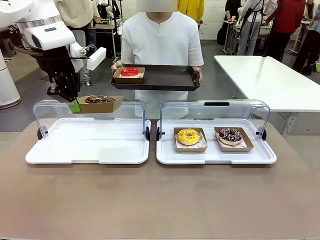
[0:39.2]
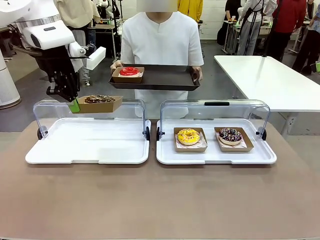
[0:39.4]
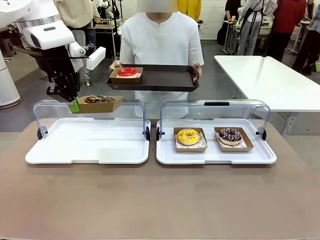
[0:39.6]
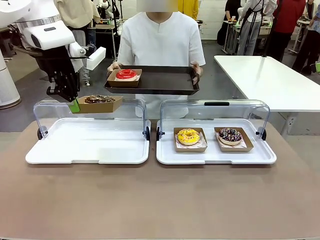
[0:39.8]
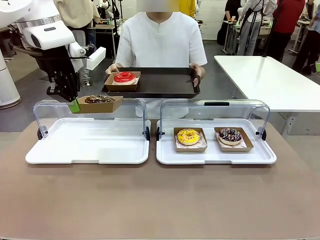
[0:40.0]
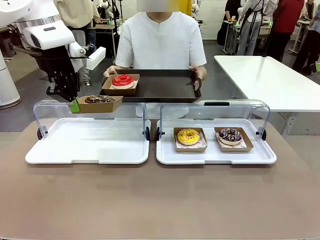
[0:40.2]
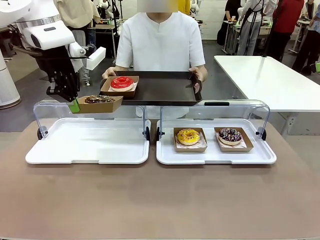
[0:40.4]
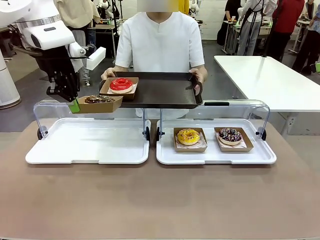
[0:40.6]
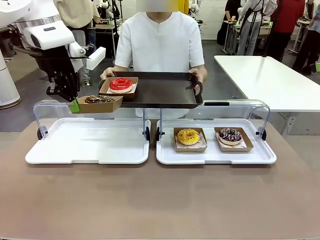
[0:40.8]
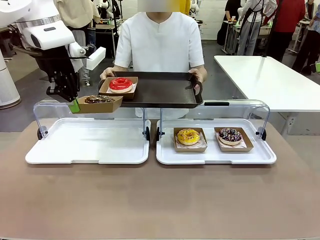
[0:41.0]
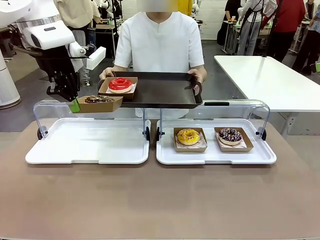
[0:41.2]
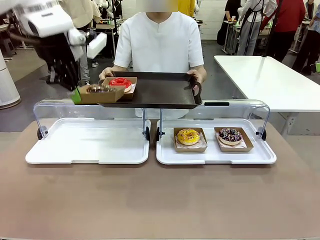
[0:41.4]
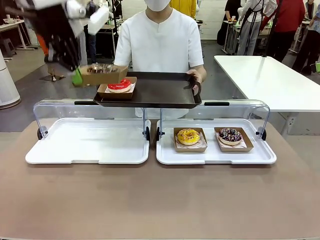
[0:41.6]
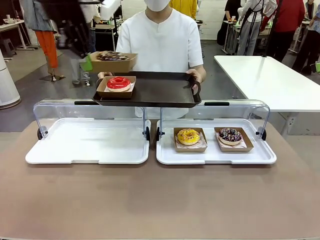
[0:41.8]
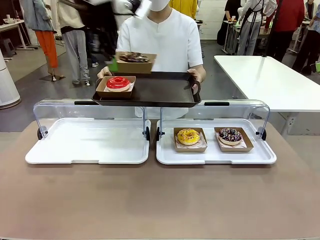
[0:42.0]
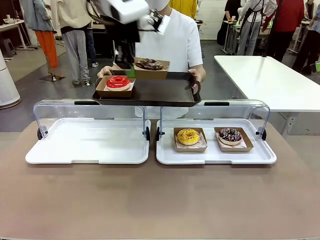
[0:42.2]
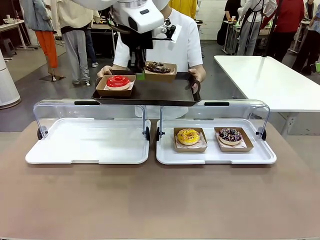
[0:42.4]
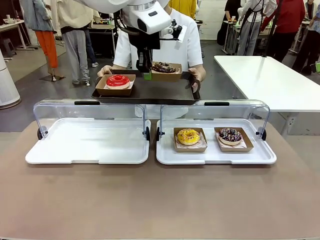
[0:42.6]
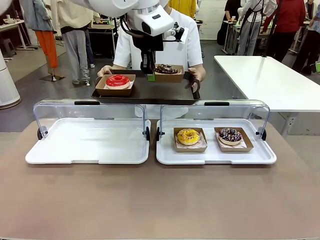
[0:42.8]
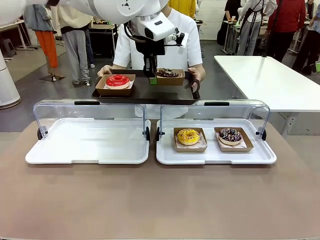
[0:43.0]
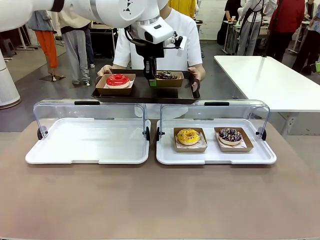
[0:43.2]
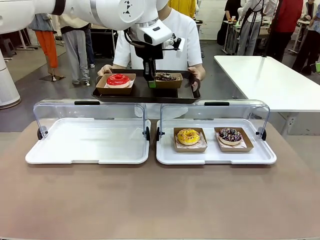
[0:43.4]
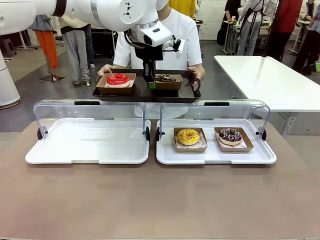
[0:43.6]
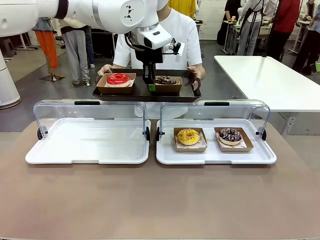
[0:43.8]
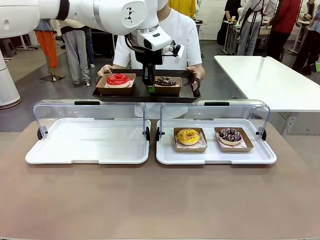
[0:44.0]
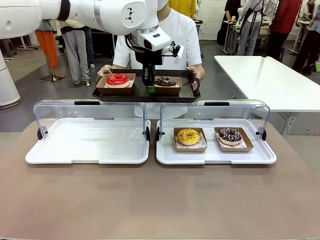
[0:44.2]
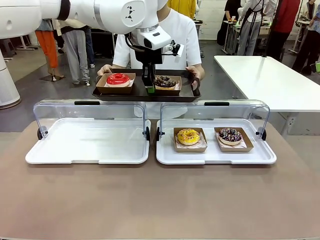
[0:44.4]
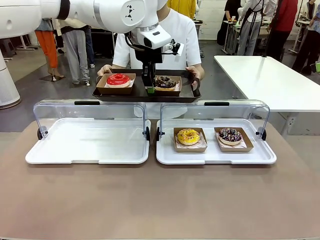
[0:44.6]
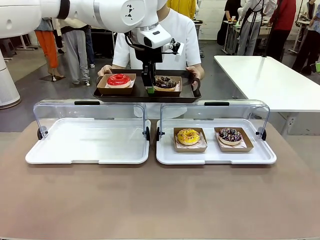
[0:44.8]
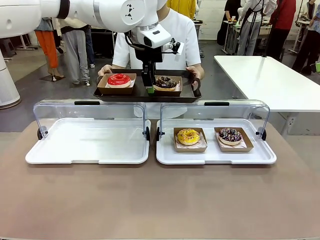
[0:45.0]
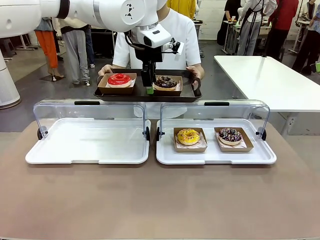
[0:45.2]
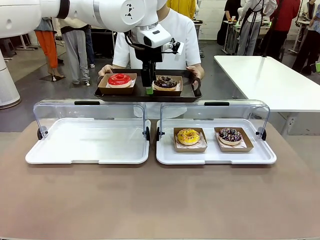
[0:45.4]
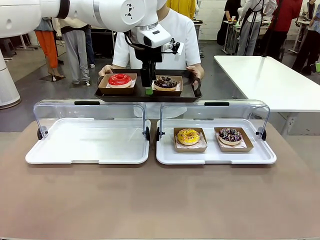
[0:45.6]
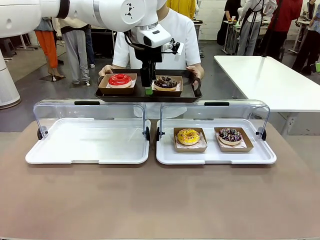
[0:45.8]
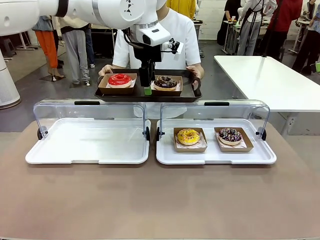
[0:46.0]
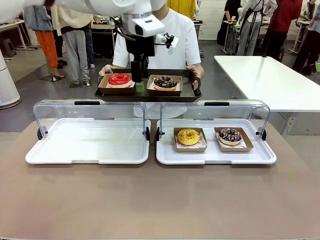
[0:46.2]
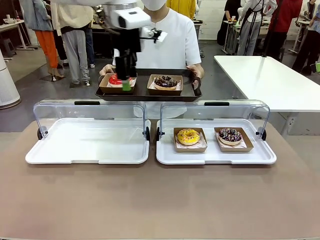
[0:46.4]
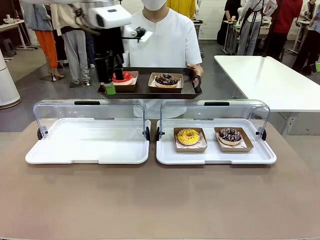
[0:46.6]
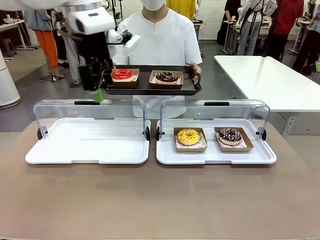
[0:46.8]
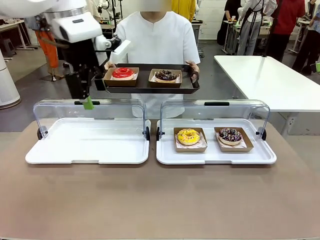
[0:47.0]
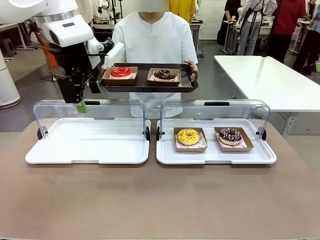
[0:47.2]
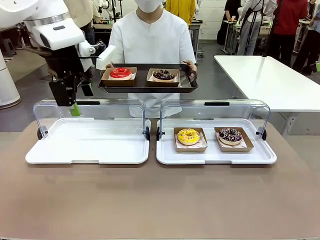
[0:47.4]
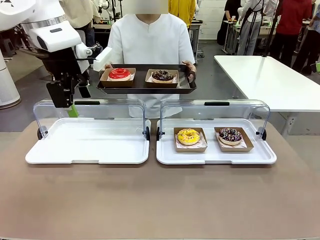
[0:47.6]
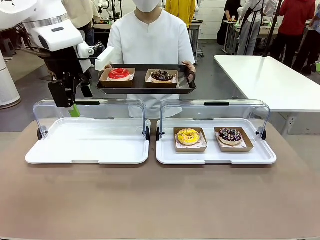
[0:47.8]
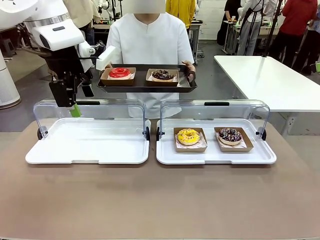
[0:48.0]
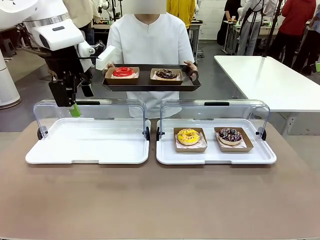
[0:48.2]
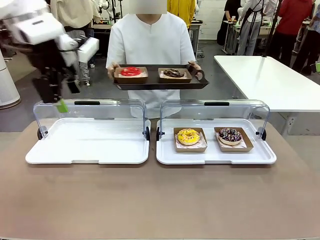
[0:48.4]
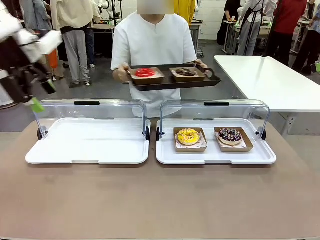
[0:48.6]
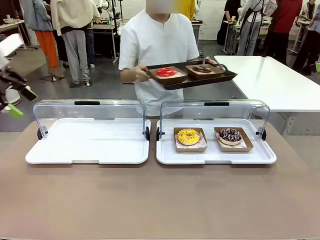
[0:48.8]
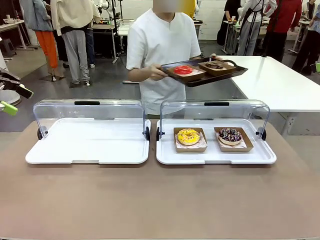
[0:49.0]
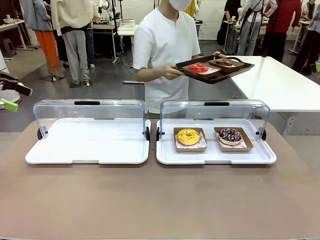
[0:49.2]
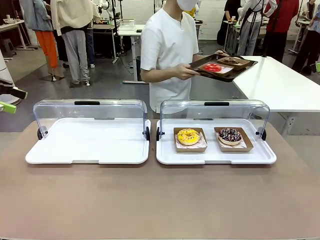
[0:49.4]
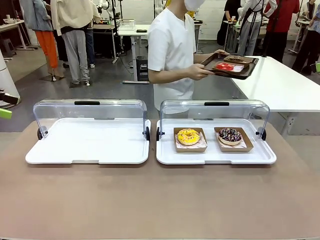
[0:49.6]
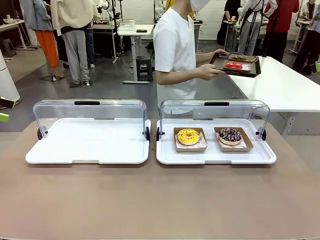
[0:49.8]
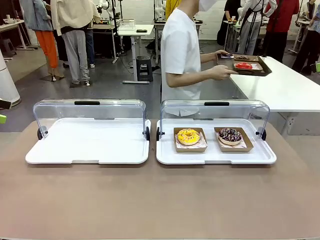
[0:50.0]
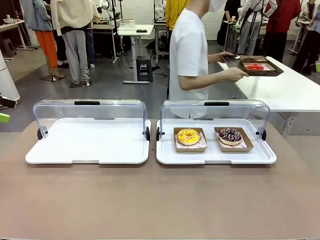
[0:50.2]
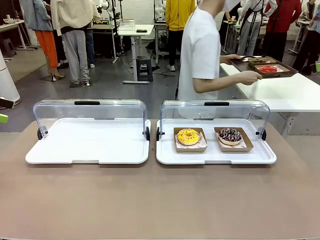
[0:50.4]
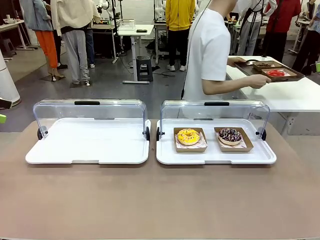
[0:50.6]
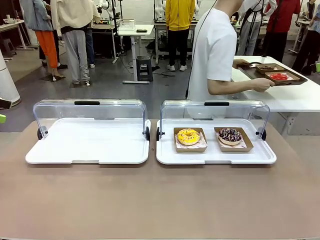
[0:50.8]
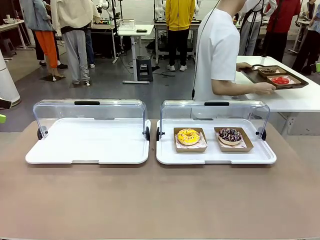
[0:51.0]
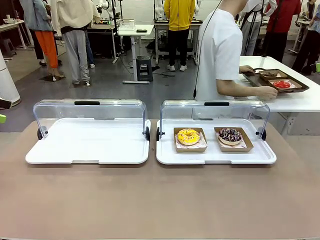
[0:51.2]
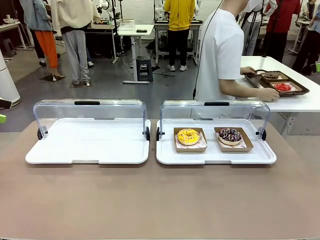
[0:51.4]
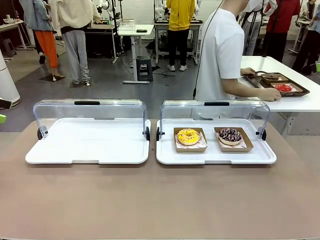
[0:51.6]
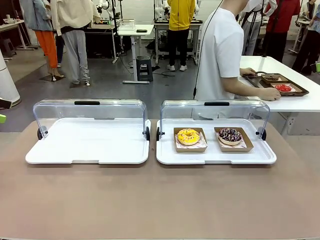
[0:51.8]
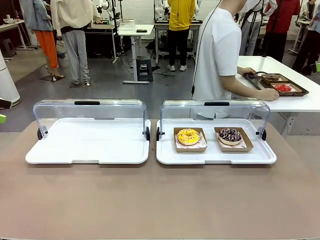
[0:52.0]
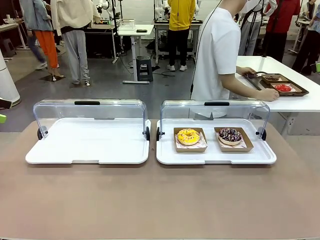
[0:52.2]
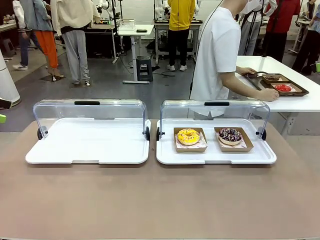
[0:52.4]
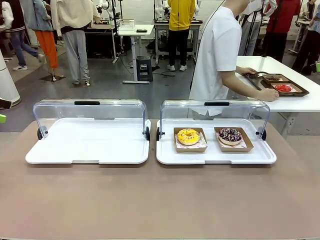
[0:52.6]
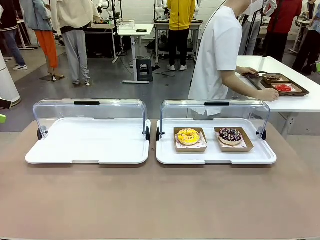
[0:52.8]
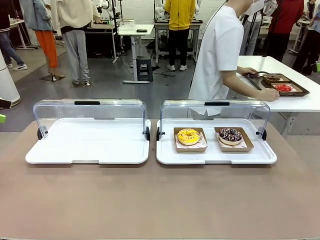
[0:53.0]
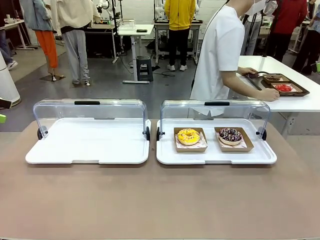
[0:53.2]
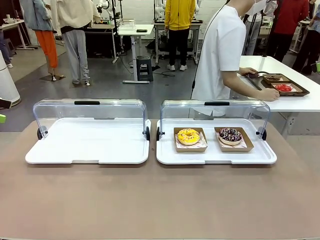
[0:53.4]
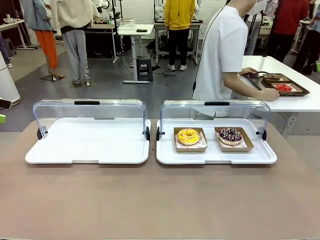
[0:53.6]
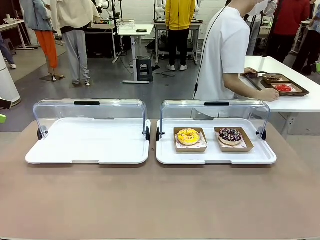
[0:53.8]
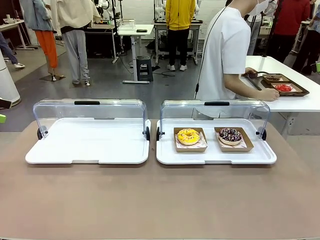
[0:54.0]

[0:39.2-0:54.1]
Task: Provide the desired donut to the person.
Robot: Place the picked Paper togo box onto the Handle tray extended by the person.
Person: Place the tray in the middle of the human table.

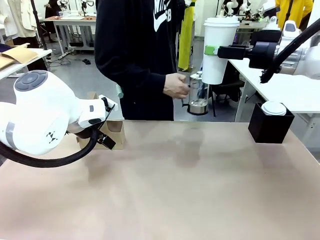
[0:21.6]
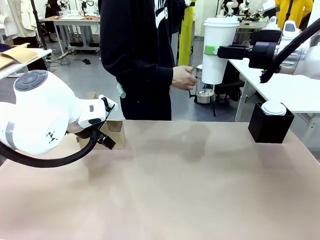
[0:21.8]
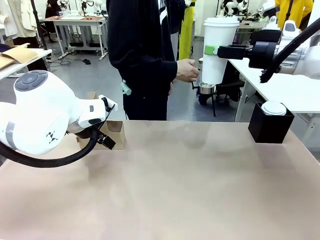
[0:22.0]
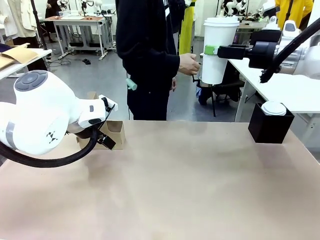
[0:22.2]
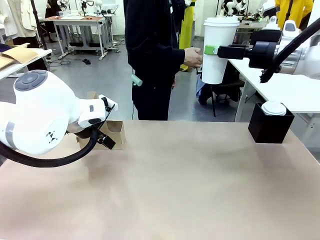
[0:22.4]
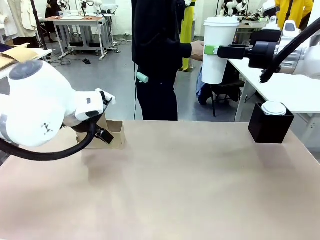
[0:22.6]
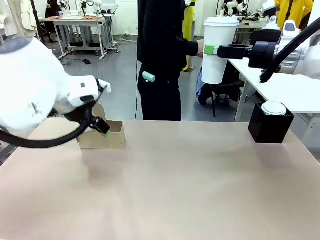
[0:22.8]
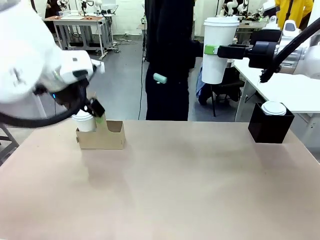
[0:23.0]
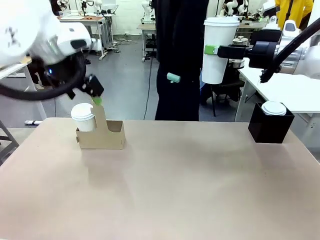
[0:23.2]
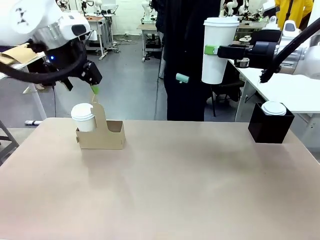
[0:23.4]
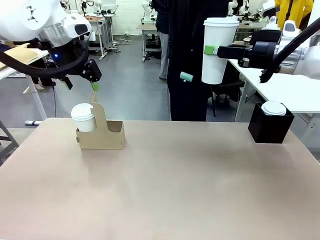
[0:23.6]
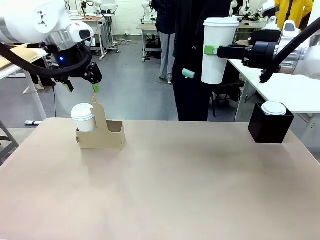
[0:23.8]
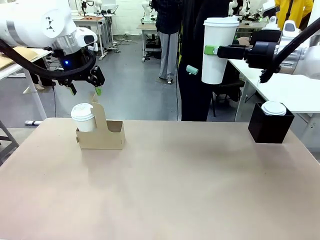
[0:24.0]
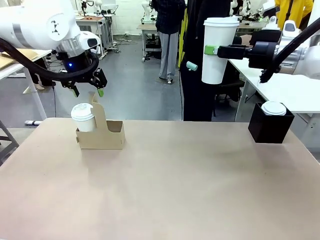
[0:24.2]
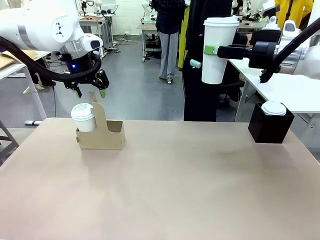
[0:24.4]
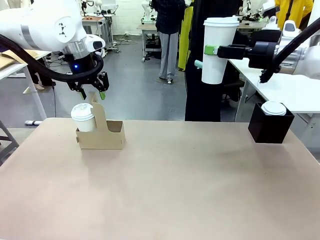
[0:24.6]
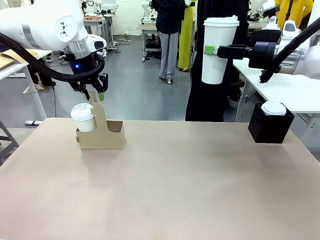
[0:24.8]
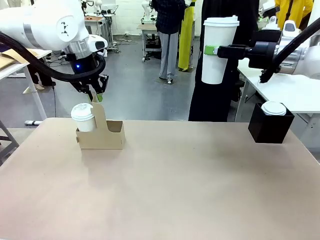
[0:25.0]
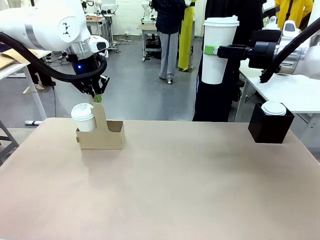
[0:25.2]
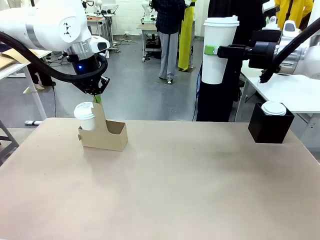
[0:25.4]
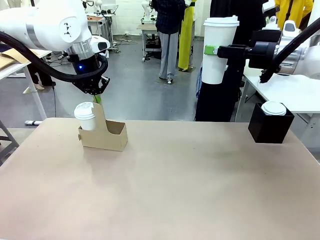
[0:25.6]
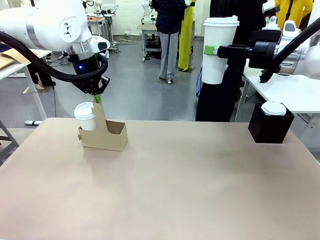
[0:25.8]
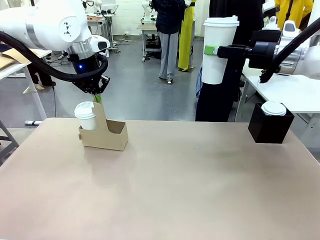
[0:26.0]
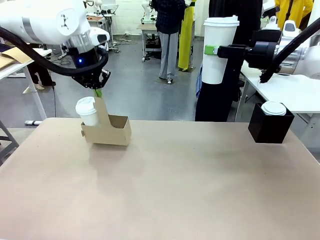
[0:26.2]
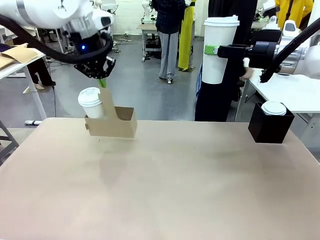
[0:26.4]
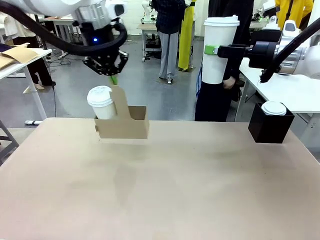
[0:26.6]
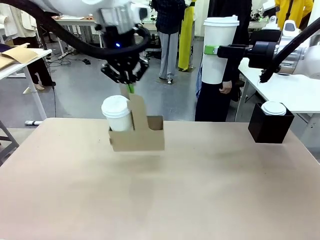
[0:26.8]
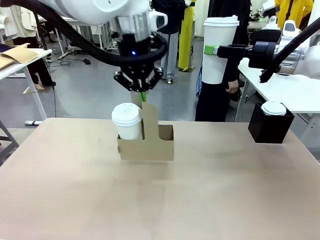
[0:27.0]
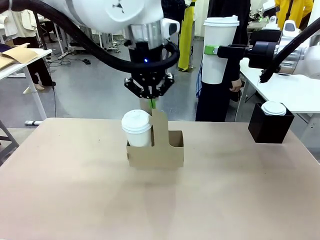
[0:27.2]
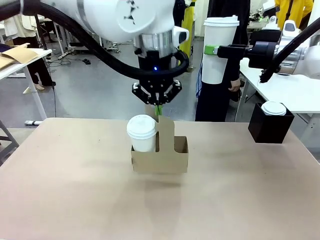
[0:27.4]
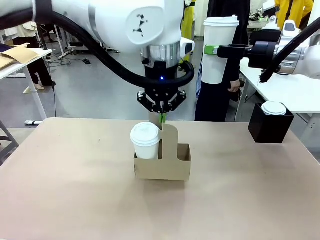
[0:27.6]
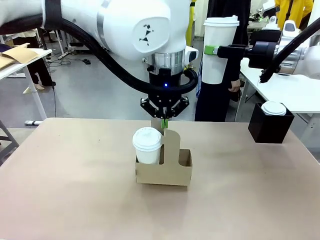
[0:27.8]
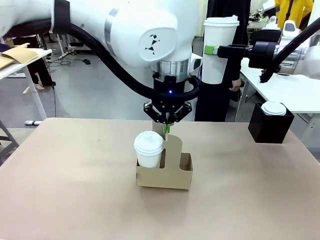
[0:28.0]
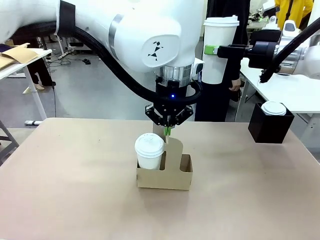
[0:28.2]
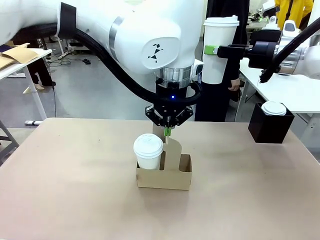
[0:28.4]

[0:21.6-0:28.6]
Task: Pour a drink into a cup and package it in a carrier.
Robot: Position the Cup Carrier in the center of the table.
